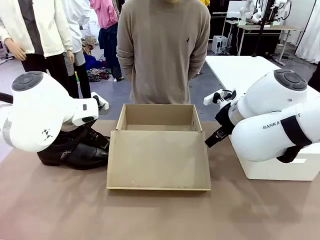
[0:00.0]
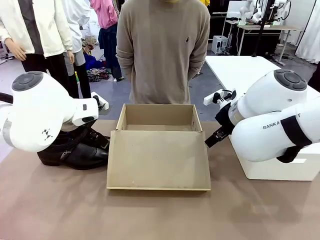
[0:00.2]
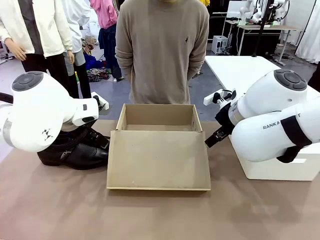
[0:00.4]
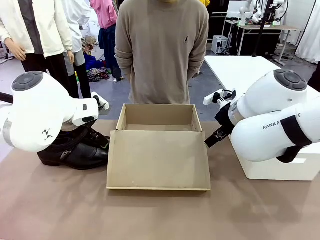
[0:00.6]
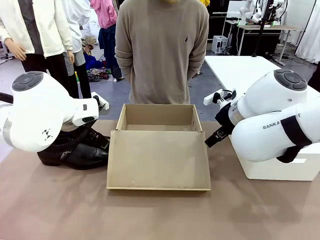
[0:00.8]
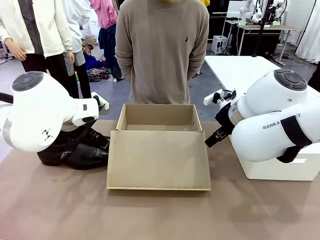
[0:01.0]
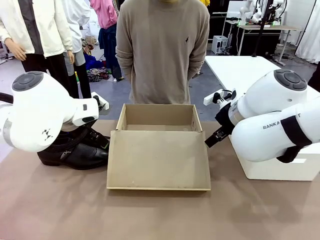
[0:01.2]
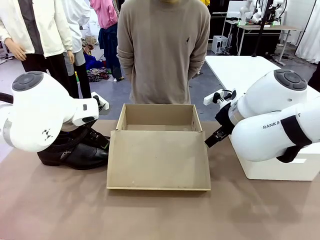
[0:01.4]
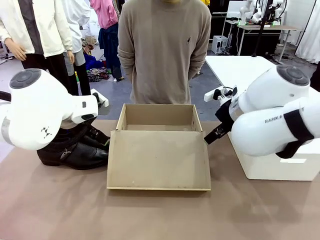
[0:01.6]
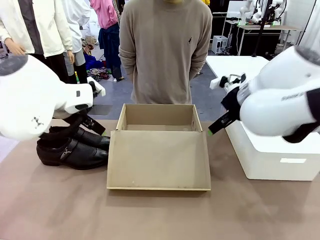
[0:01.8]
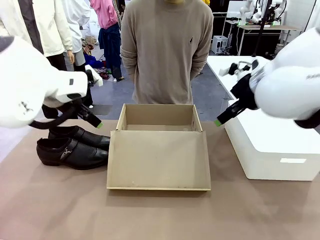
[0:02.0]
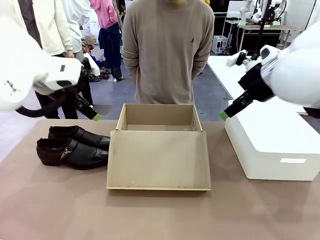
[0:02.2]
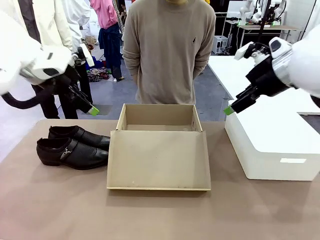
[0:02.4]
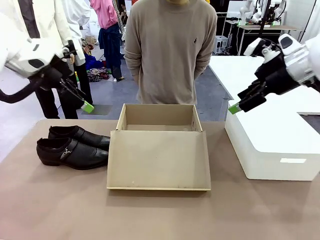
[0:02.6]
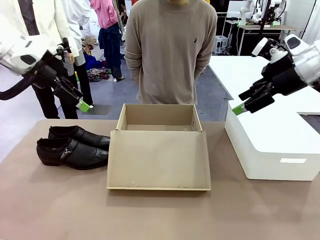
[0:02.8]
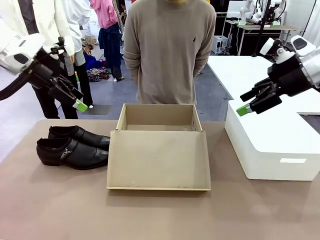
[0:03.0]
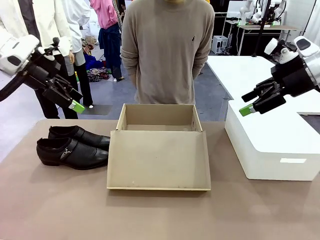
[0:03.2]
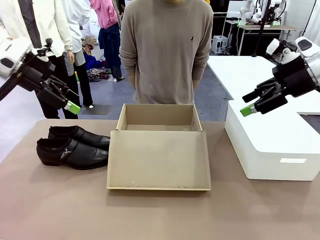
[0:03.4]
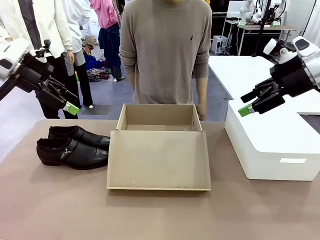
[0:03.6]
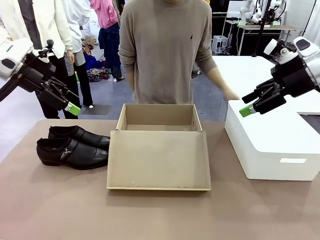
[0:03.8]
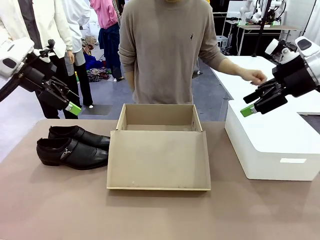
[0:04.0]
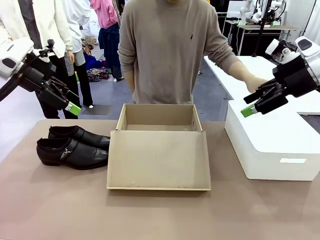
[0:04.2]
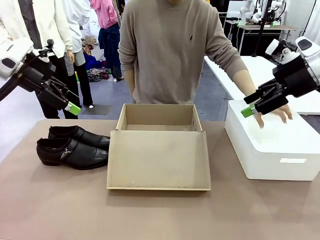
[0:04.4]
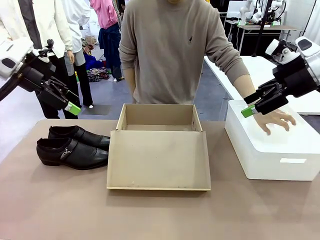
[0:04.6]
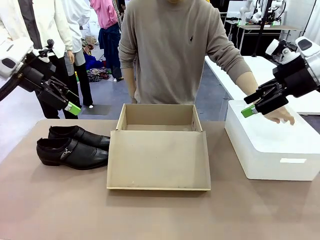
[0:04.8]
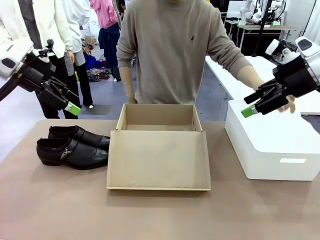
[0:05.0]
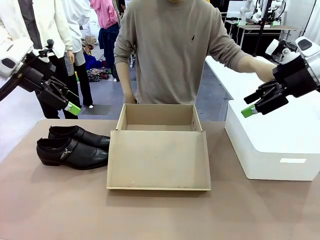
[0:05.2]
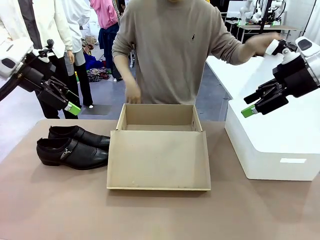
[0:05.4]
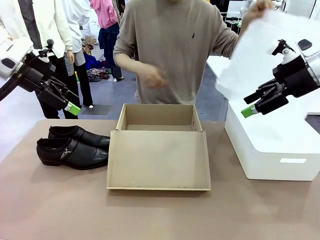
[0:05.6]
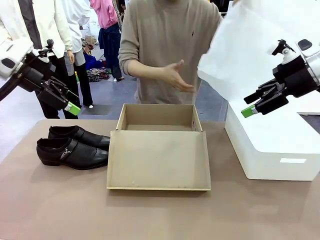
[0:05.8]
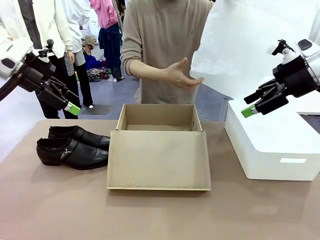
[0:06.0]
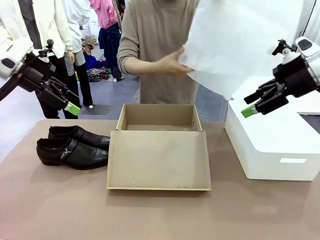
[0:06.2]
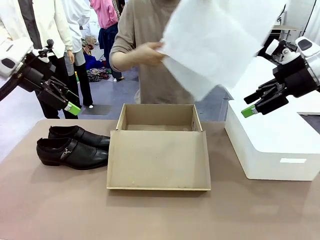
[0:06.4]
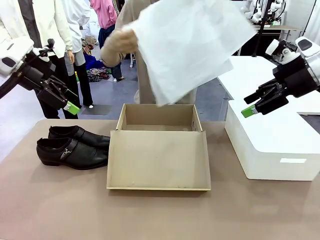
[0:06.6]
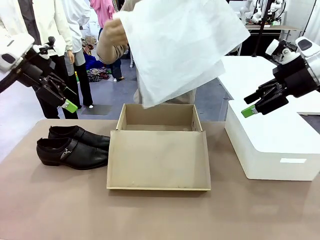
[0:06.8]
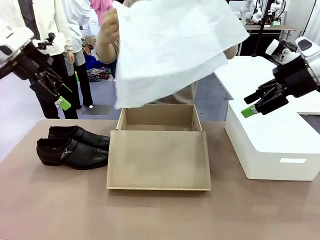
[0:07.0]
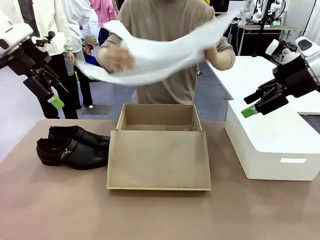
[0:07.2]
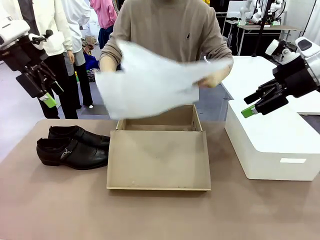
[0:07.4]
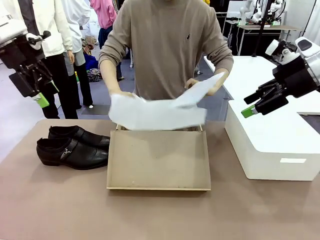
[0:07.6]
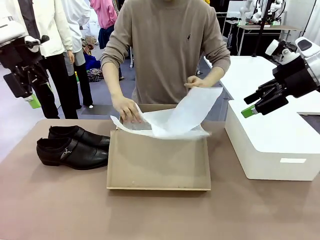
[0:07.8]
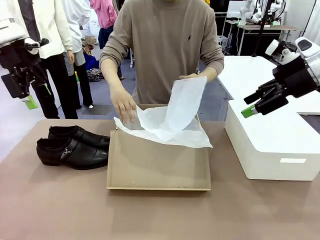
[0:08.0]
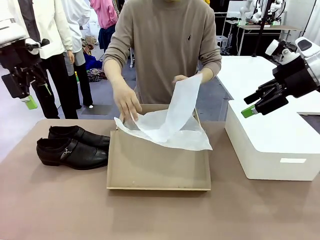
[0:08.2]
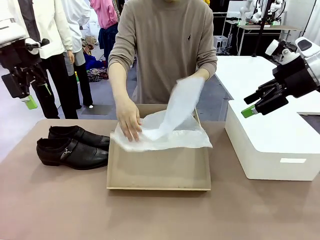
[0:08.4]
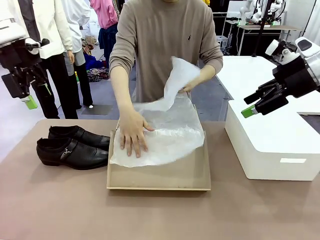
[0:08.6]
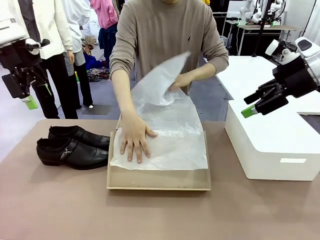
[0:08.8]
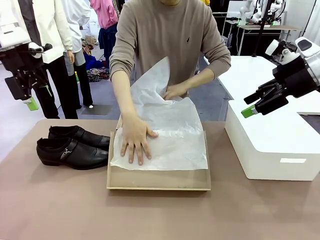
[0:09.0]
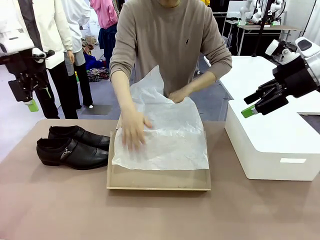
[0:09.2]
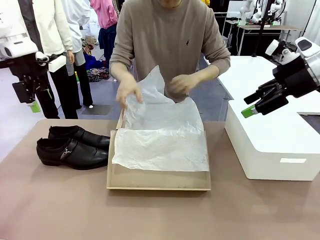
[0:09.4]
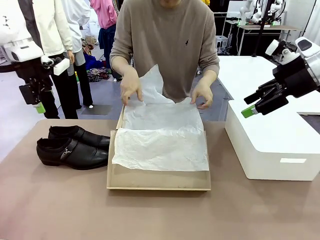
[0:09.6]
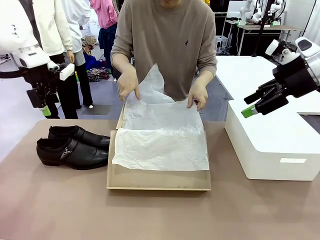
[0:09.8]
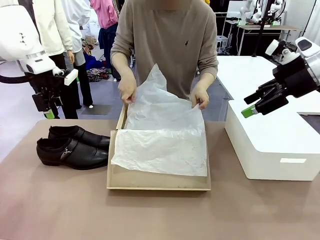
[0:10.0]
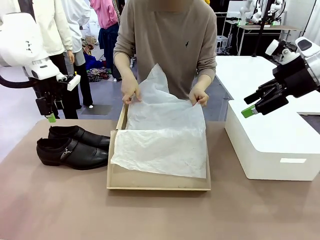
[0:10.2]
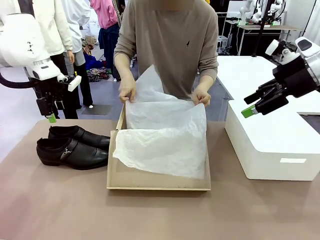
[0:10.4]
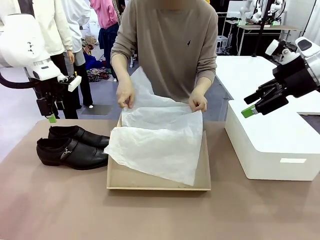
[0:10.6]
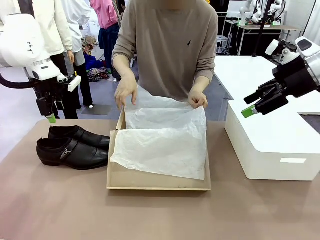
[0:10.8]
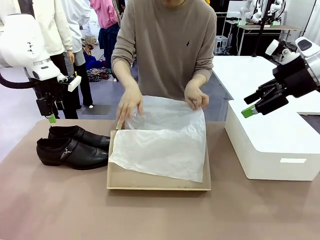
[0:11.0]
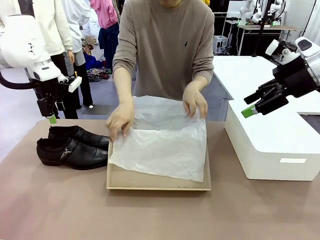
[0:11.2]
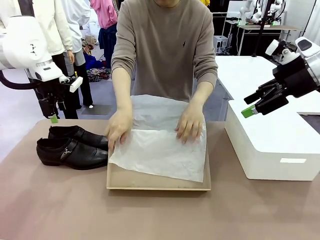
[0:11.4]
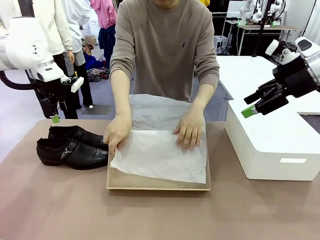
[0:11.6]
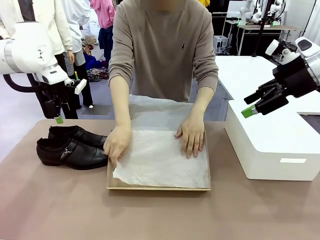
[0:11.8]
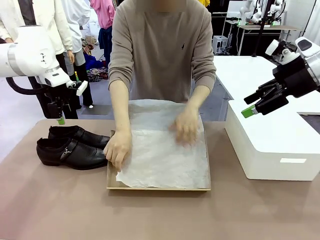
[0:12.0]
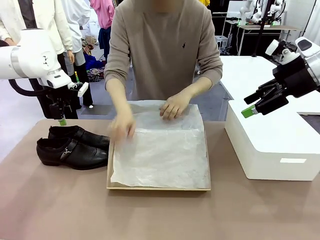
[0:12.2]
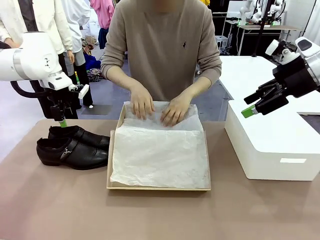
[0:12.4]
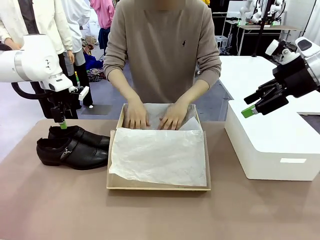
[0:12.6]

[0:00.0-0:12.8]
Task: Pack the shoes into the box.
Robot: Place one shoe of the Shoes into the Shoes Box.
Person: Spread Shoes Wrapping Paper and place inside the Shoes Box.

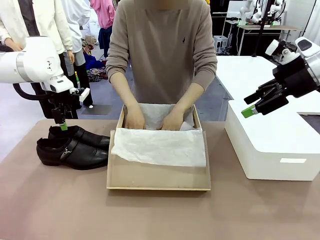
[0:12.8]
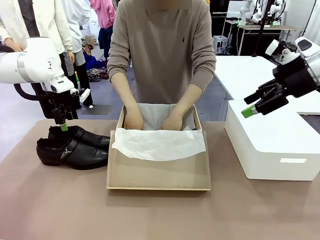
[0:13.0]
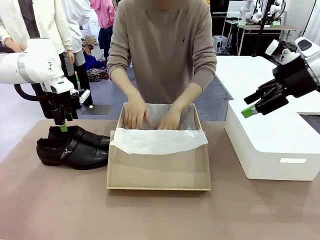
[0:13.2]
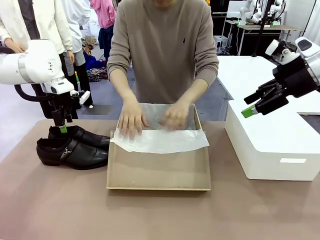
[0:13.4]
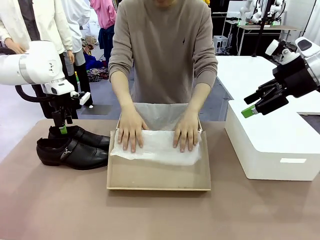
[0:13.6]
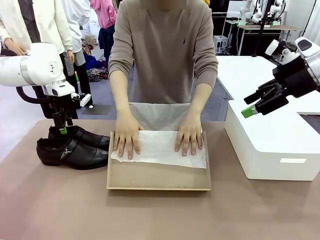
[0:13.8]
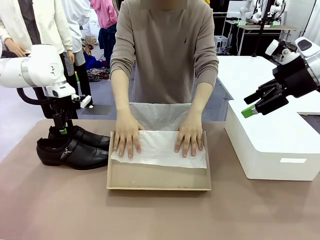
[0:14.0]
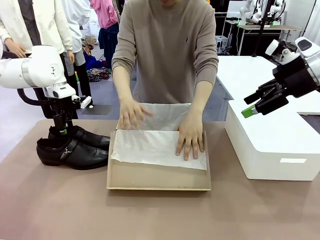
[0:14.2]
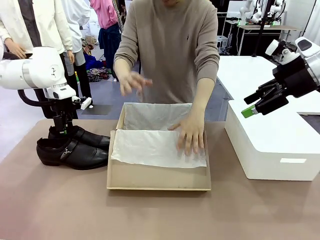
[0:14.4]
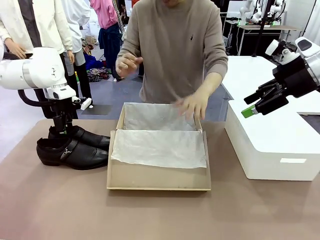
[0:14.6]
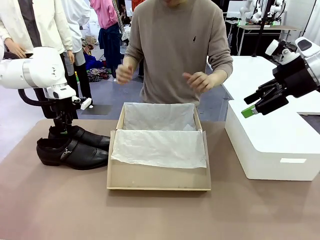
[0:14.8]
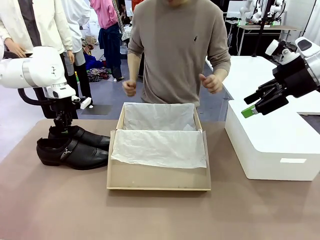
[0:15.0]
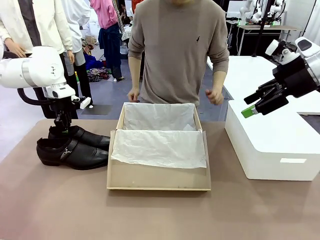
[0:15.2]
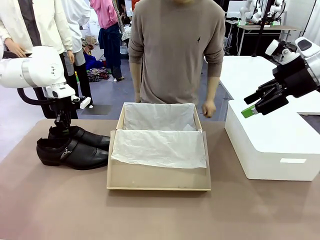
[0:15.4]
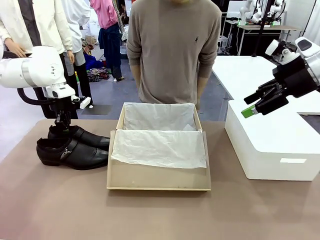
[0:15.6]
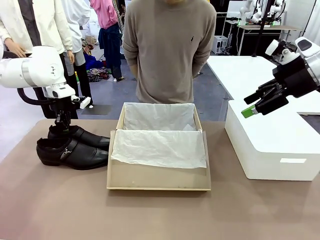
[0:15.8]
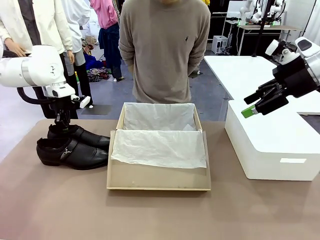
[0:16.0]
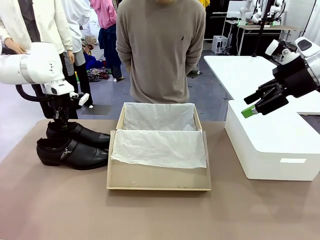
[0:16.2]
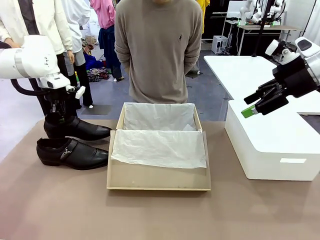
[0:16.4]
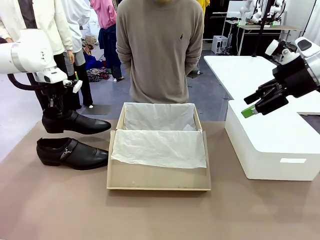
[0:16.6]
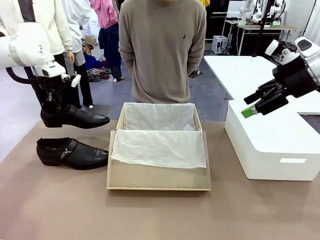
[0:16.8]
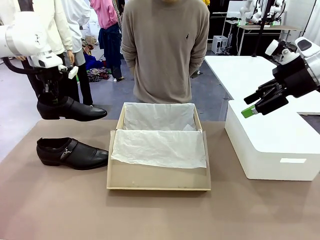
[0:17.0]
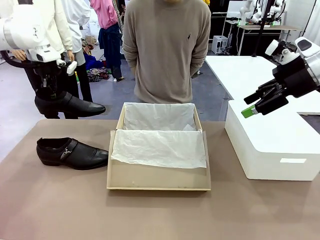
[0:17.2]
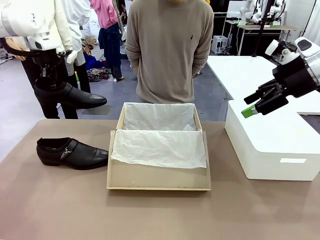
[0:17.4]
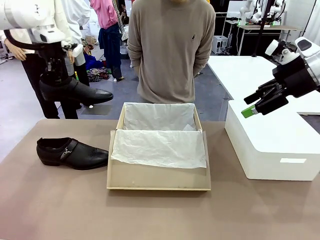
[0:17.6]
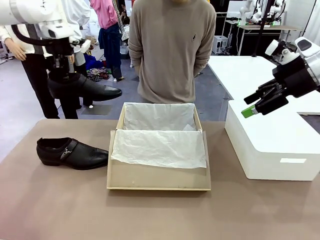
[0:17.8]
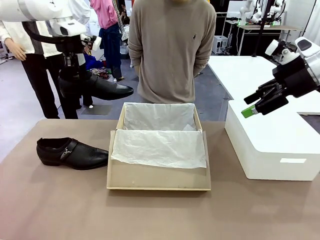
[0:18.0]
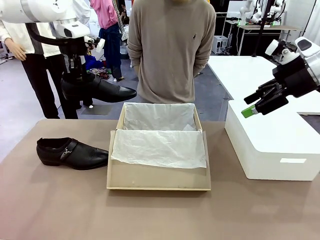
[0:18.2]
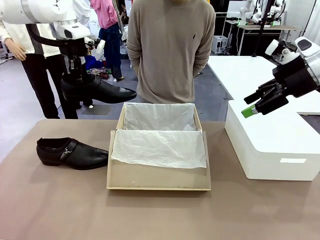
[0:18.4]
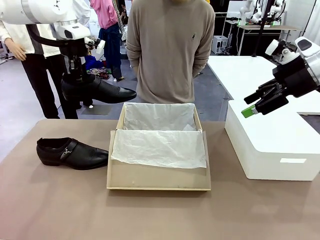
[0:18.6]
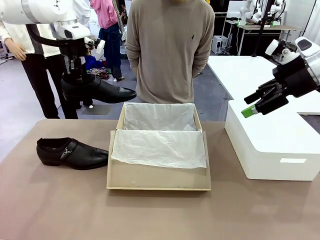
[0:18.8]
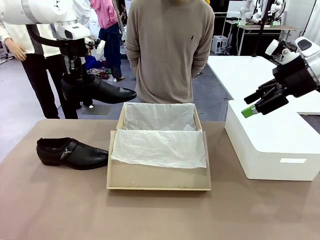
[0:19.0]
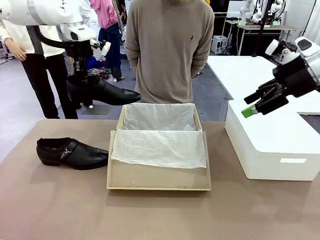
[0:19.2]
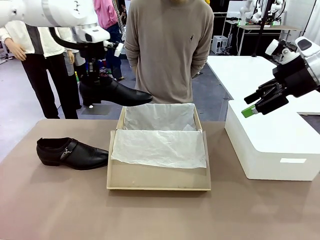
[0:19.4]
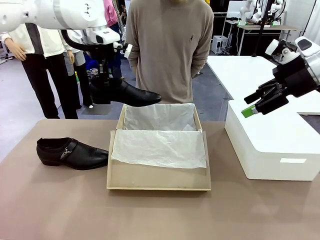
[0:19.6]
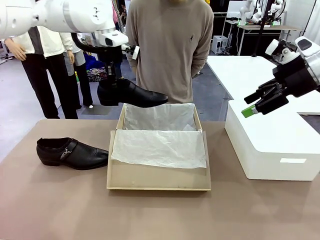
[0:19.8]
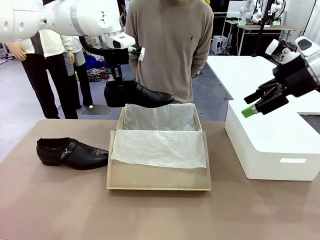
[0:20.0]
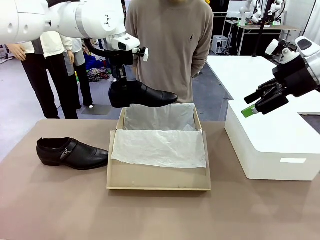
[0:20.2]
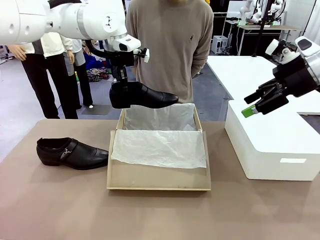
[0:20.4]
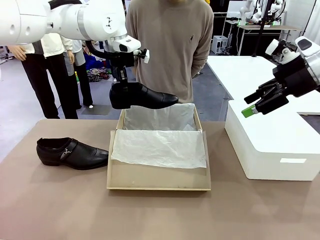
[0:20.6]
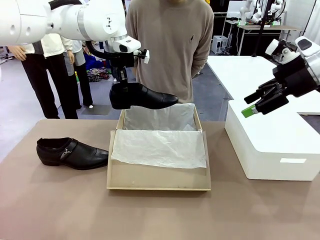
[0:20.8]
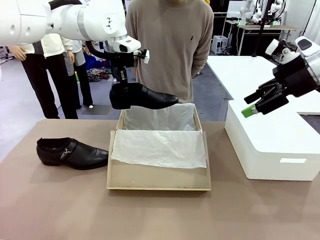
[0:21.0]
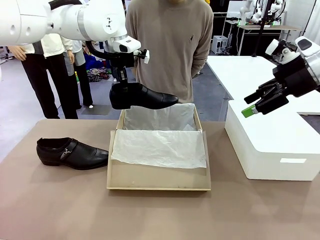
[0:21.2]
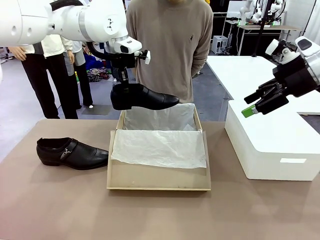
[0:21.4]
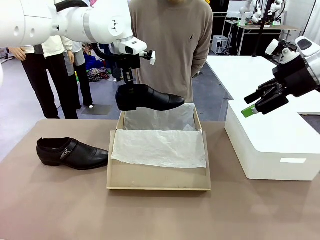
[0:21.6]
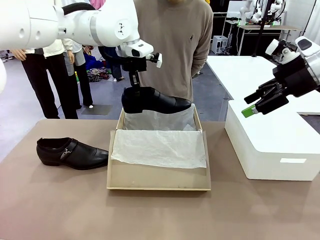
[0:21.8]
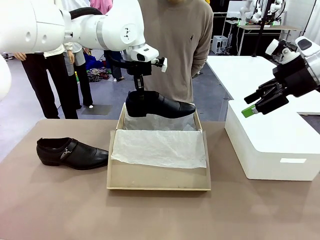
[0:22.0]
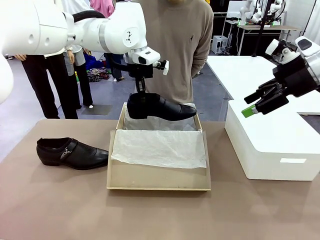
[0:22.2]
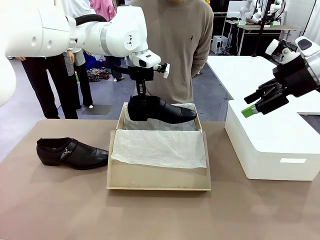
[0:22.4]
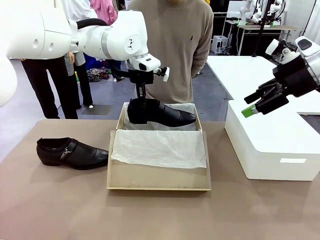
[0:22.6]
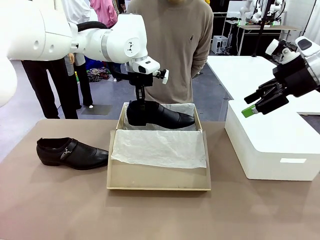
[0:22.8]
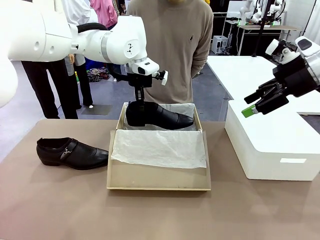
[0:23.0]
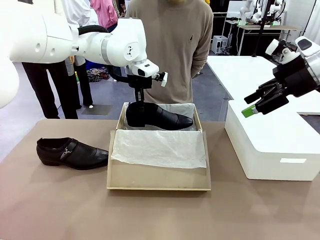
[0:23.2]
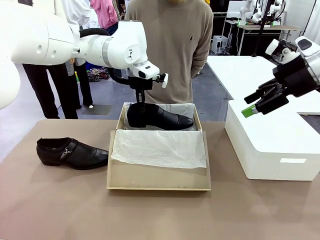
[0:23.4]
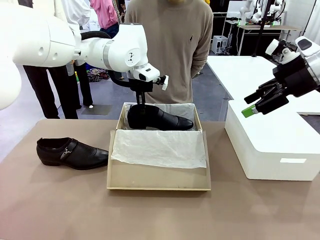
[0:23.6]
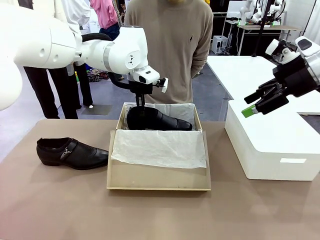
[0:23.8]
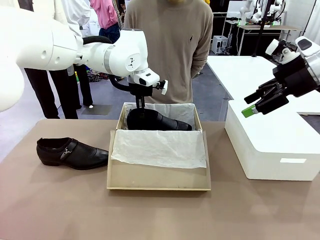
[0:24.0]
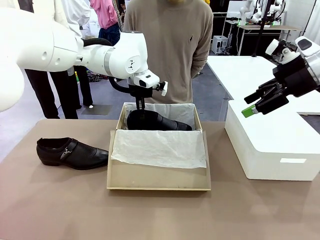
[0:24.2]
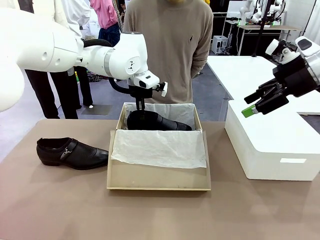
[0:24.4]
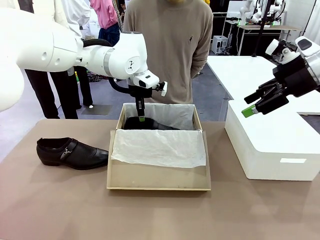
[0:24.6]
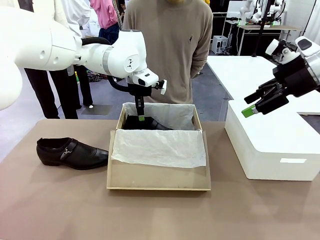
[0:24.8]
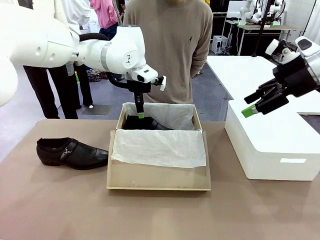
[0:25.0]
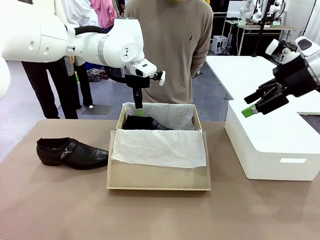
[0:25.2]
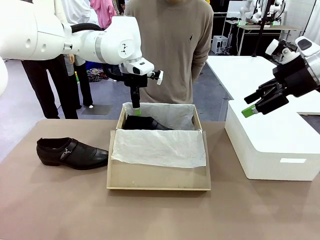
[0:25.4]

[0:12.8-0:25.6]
Robot: Place one shoe of the Shoes into the Shoes Box.
